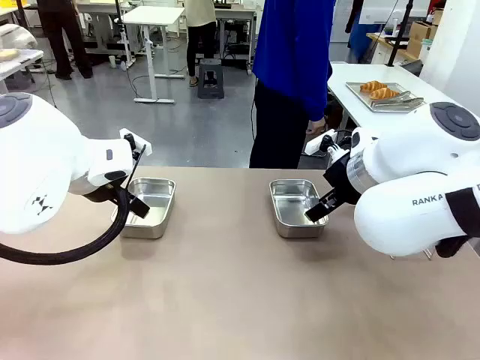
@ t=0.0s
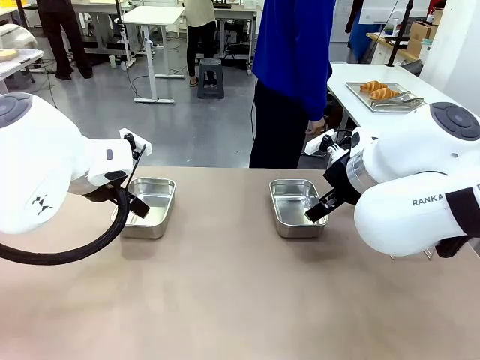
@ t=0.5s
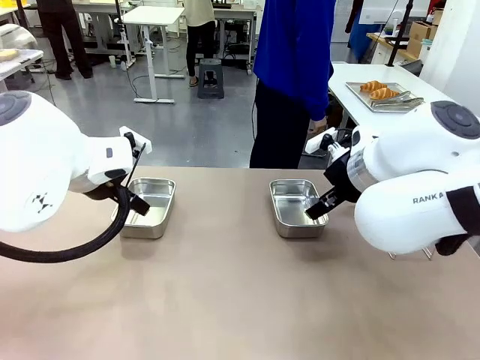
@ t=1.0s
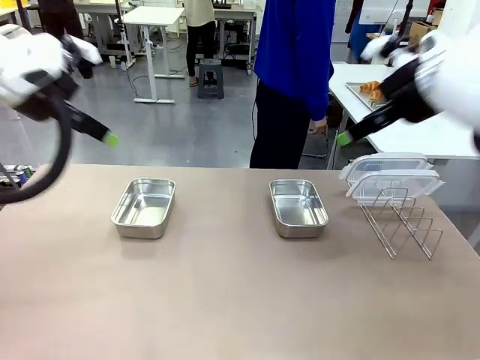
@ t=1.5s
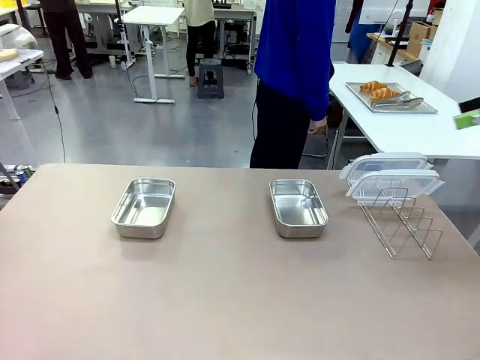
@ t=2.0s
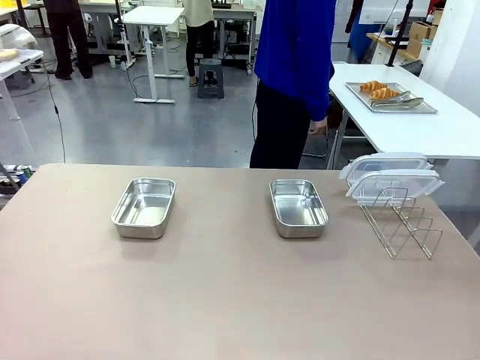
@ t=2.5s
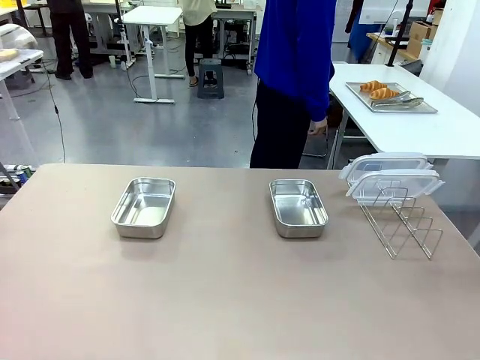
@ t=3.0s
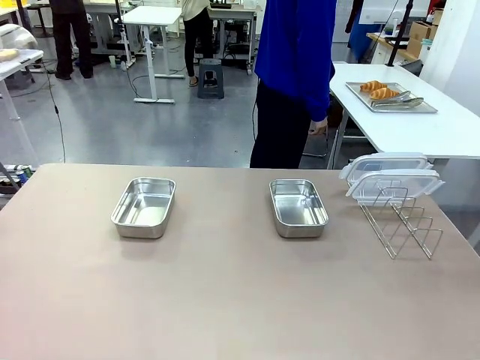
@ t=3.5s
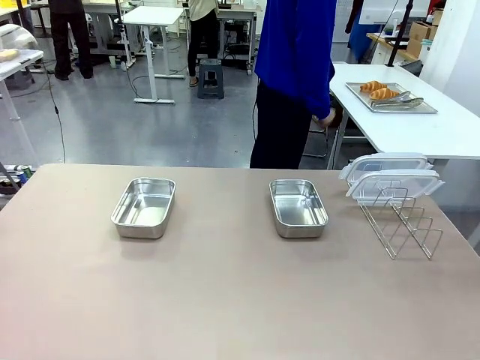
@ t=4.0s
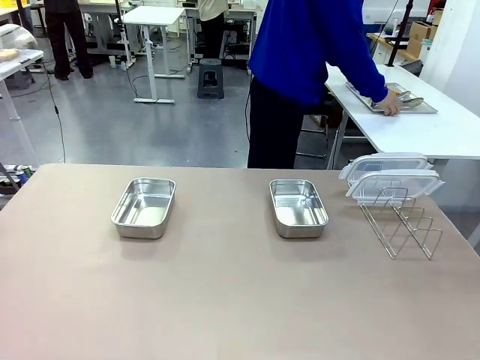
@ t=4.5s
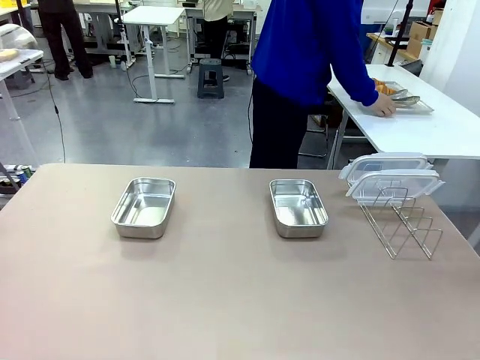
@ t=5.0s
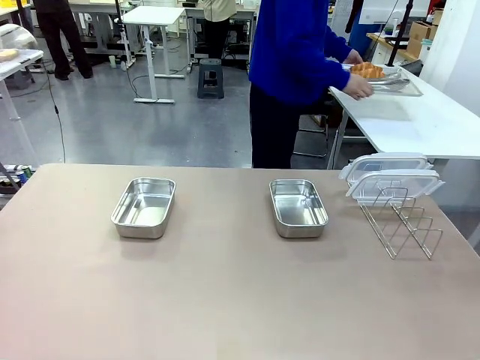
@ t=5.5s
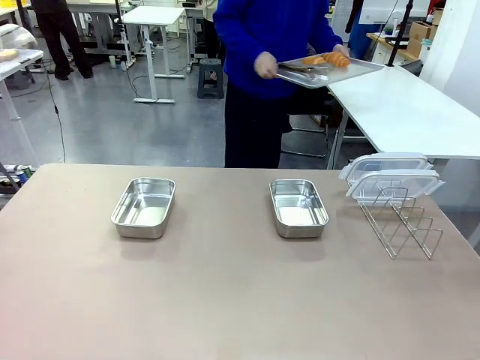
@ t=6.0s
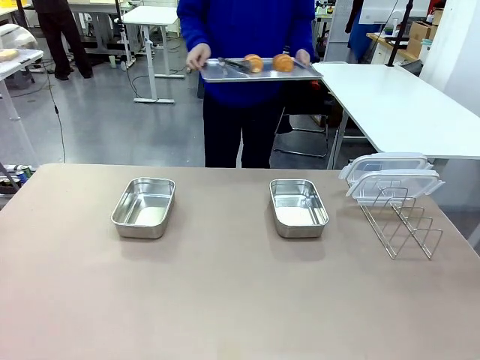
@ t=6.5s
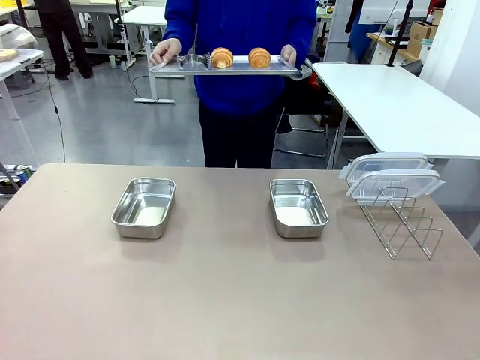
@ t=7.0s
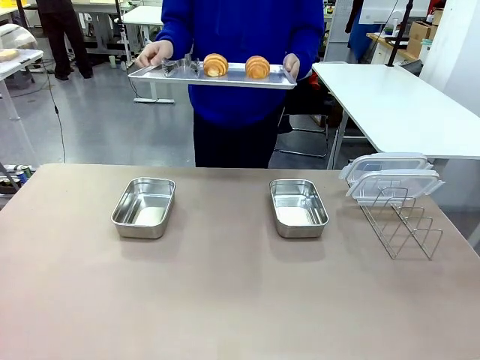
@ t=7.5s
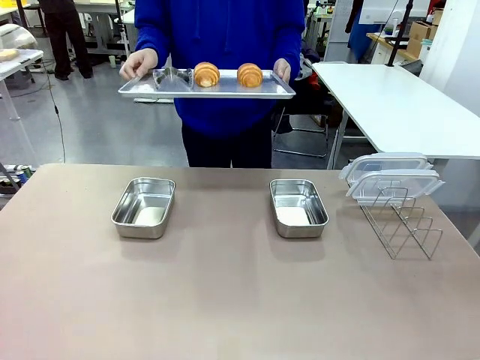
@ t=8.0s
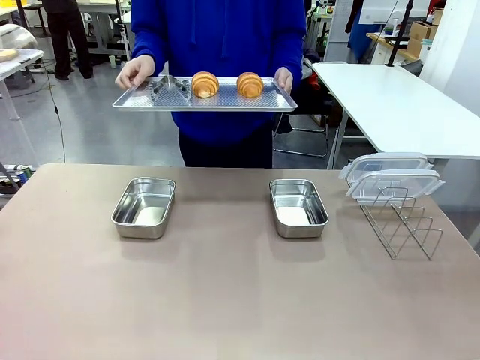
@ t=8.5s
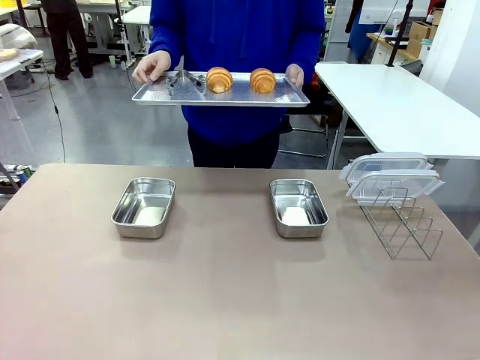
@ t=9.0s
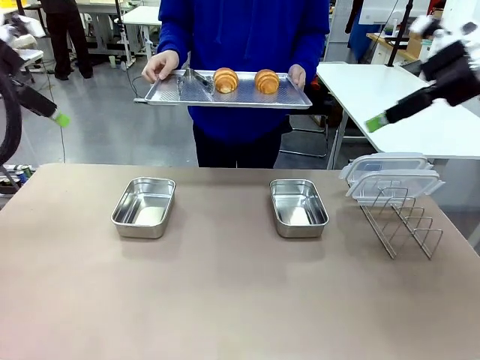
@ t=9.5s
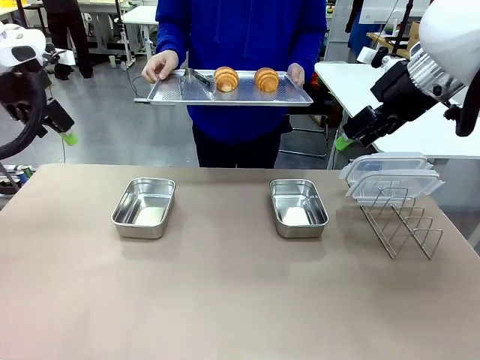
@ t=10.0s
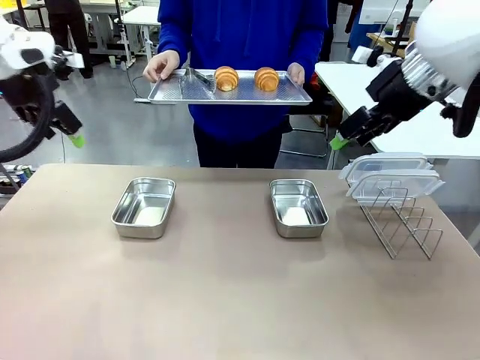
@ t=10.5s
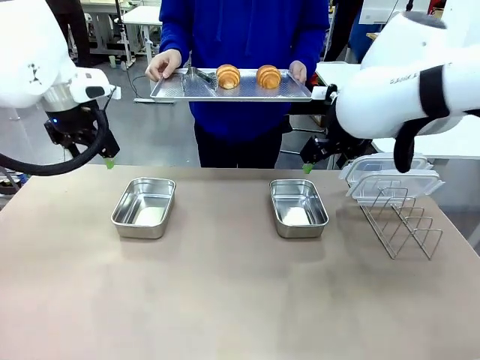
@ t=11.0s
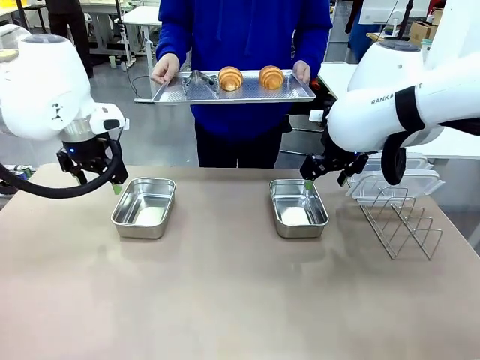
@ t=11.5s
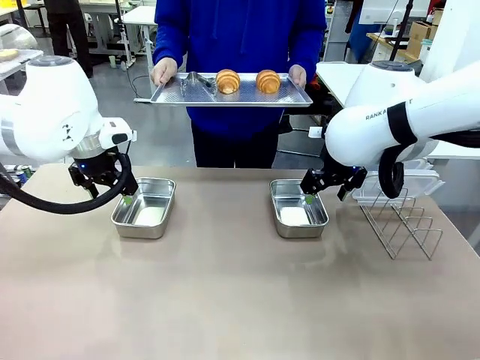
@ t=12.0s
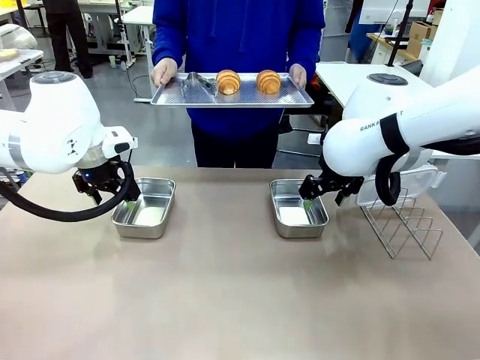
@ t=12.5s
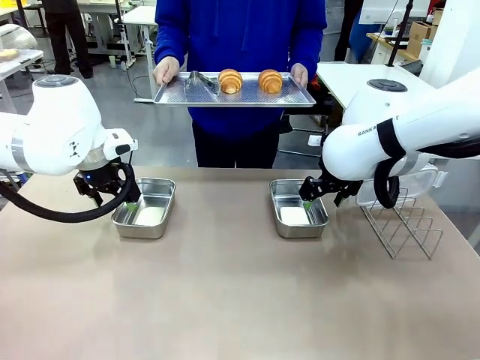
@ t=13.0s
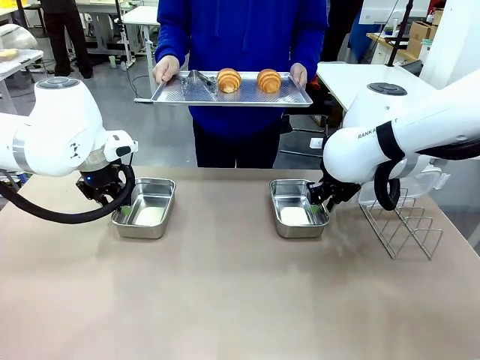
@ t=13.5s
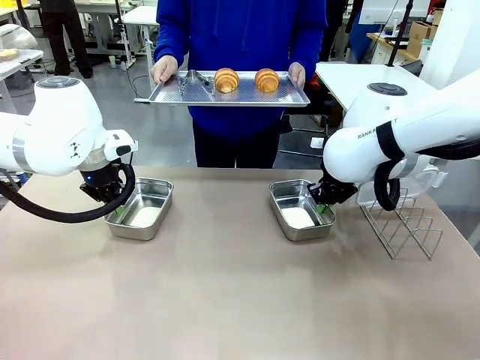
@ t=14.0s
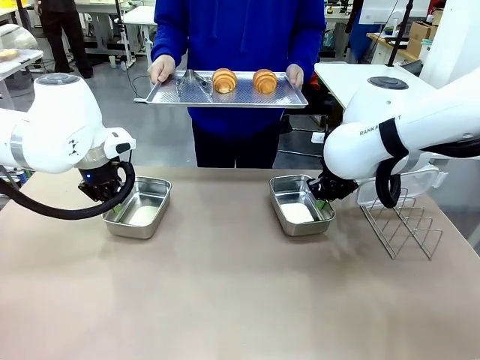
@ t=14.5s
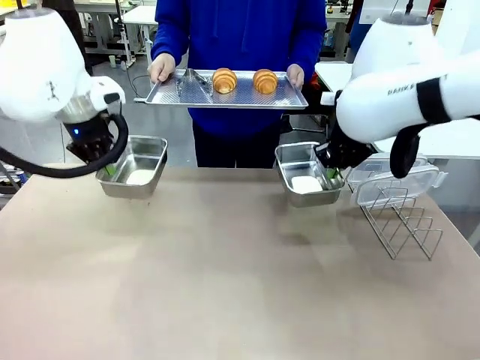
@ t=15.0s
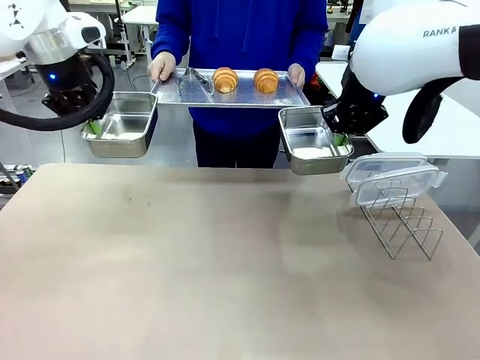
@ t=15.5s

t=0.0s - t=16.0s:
Task: Place the bread in airtight containers.
Robot: Lift both Airtight Container.
Person: Bring the Baking Sheet in front of Robot's Table.

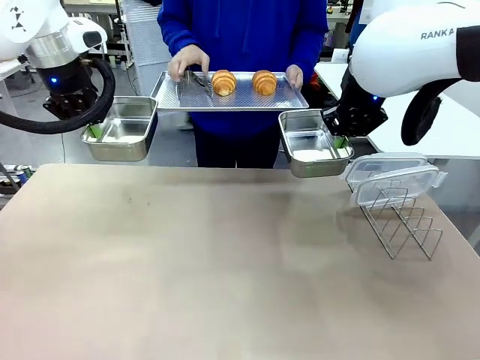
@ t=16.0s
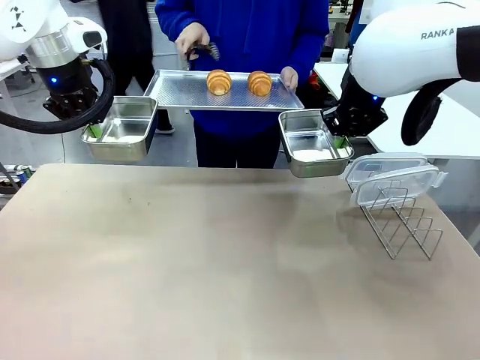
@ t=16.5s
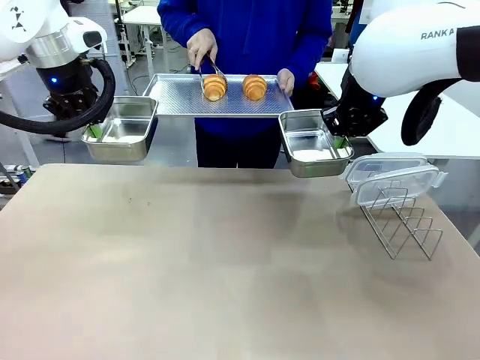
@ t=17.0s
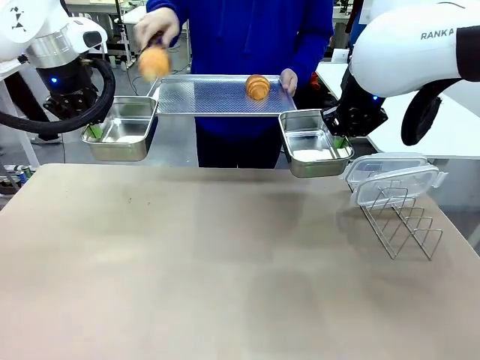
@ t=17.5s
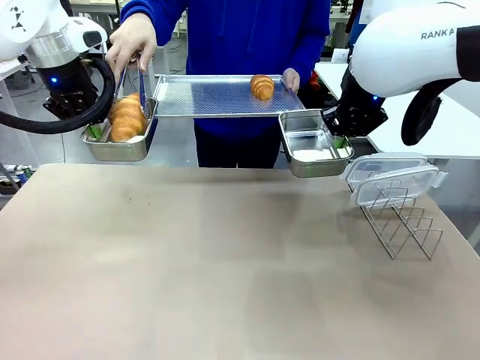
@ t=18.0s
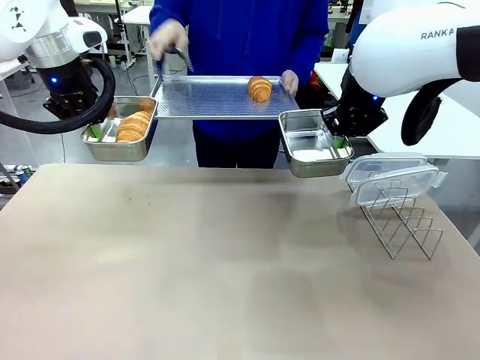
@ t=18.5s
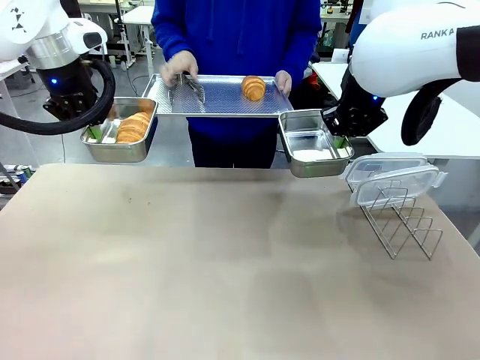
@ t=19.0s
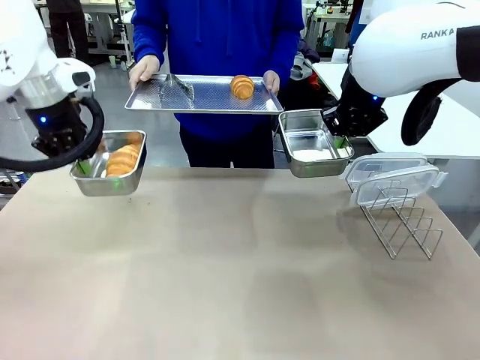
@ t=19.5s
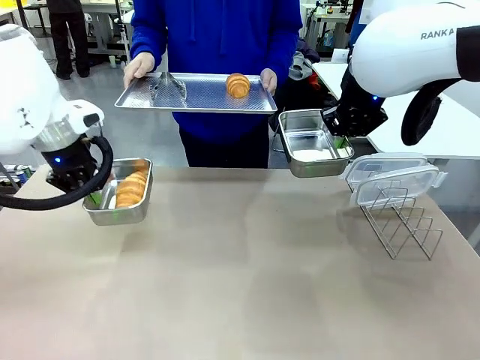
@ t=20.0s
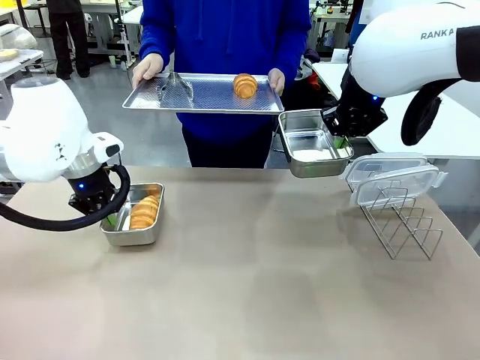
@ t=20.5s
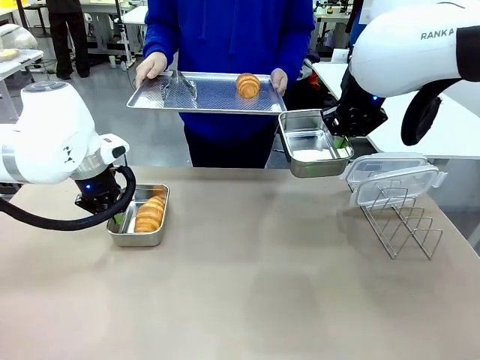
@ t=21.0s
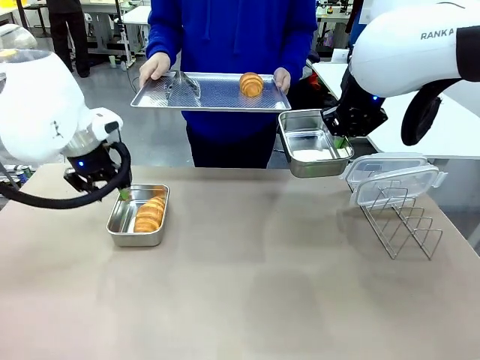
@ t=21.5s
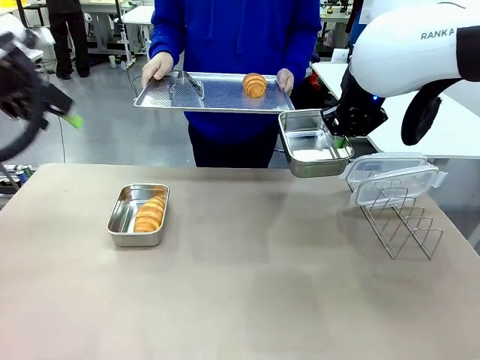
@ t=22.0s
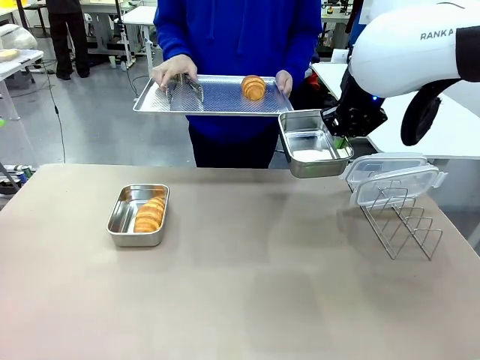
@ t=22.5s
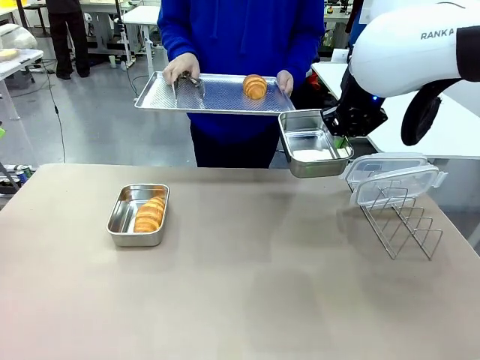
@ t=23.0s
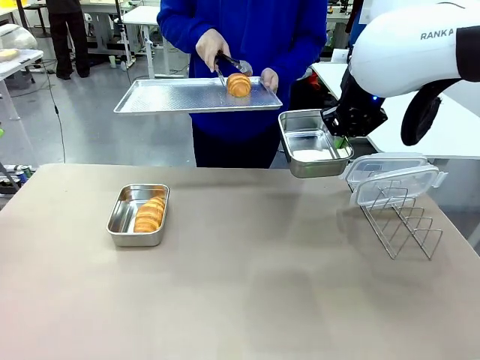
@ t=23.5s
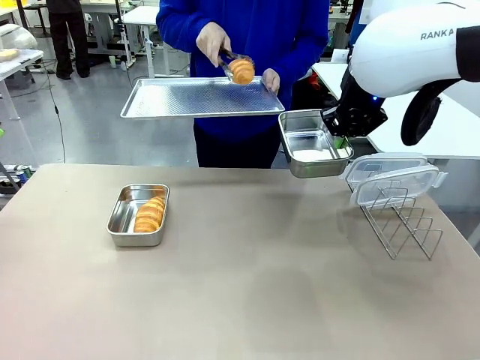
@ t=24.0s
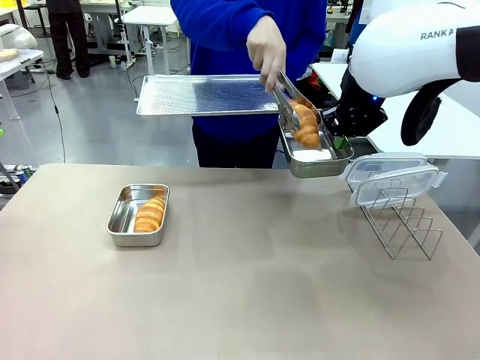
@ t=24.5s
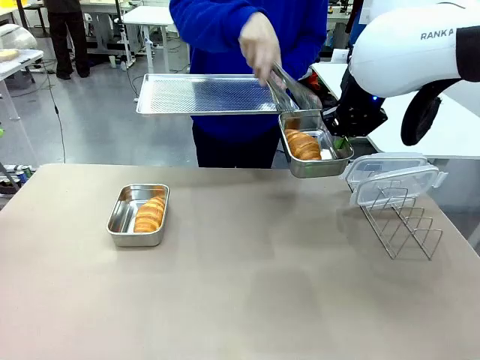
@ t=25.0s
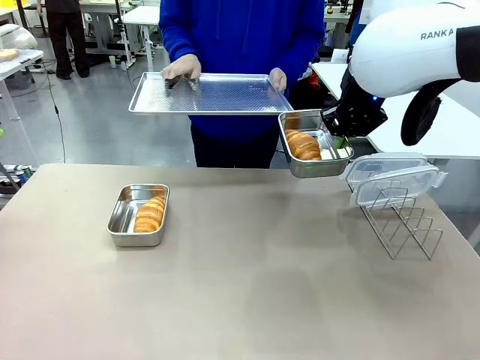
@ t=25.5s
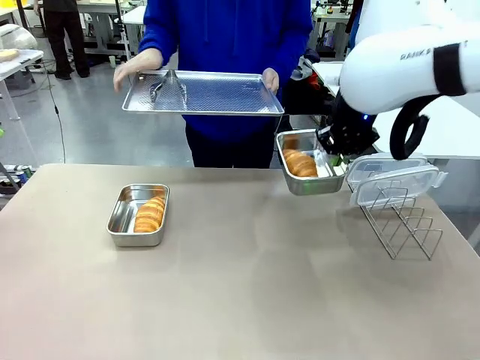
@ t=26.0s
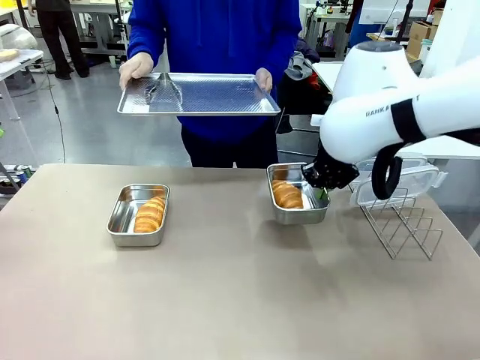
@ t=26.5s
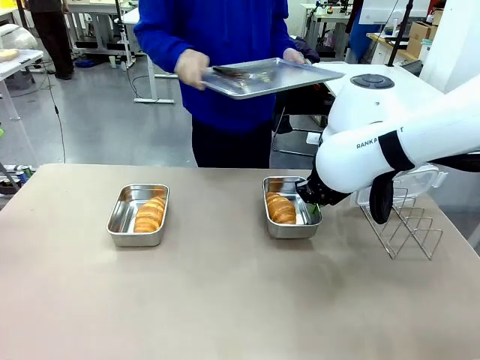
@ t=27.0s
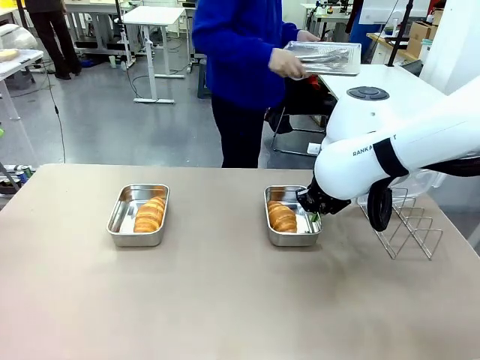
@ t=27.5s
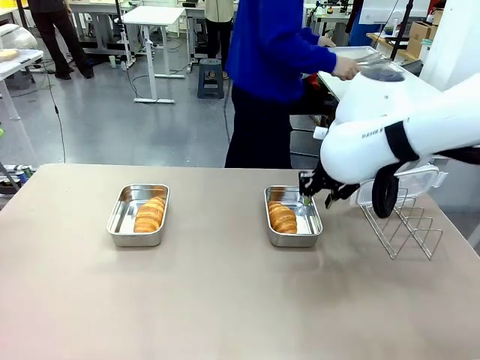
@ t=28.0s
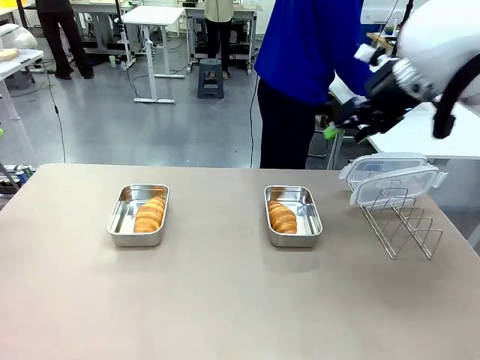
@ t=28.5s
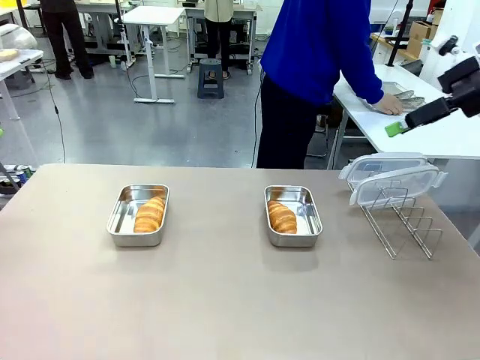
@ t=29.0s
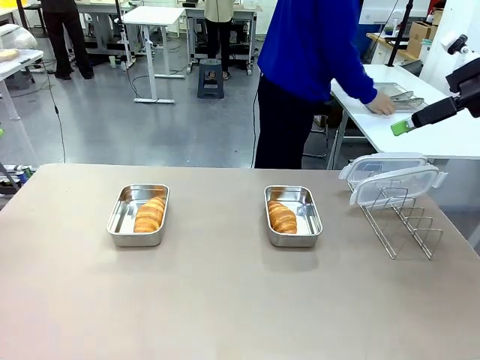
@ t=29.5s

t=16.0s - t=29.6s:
Robot: Once an object is inside an Airtight Container , place the container in the center of the table.
Person: Use the Stainless steel tongs to place one object from Baking Sheet into one Airtight Container. Place Baking Sheet on the Human's Table.
